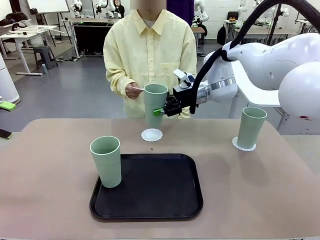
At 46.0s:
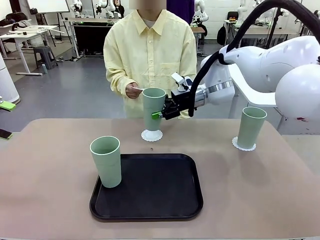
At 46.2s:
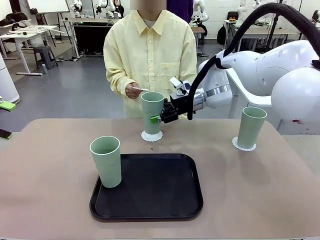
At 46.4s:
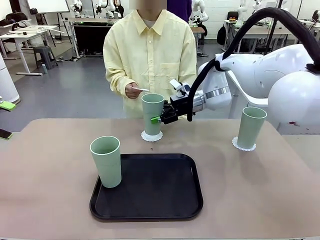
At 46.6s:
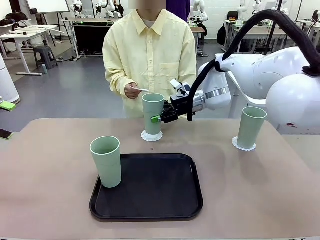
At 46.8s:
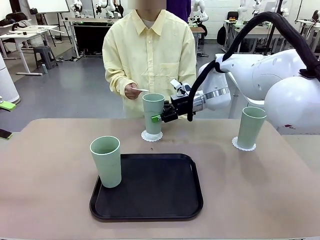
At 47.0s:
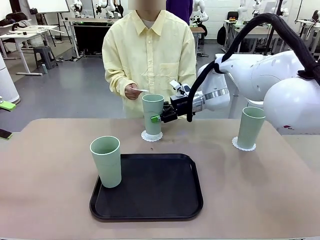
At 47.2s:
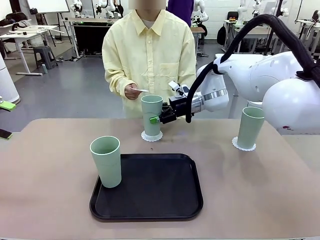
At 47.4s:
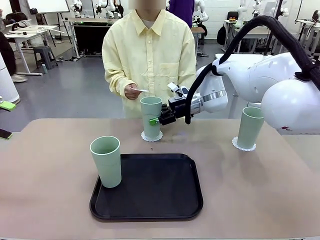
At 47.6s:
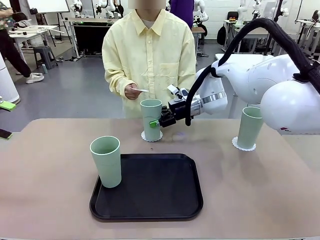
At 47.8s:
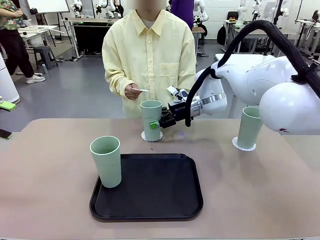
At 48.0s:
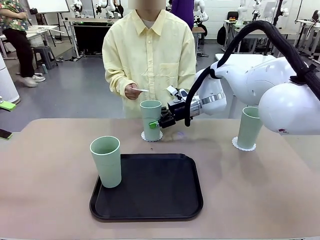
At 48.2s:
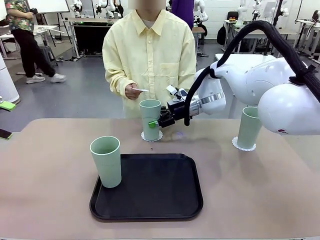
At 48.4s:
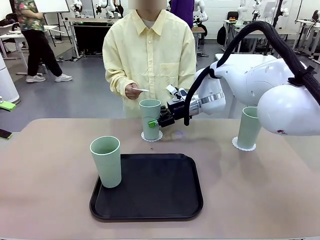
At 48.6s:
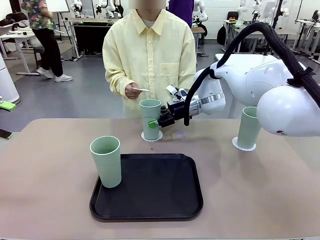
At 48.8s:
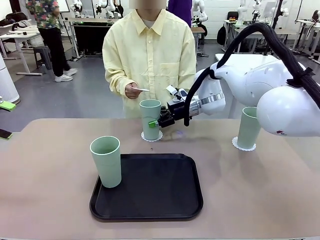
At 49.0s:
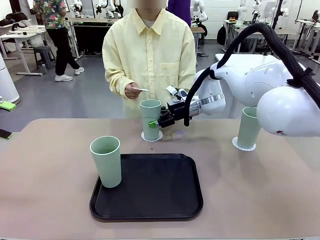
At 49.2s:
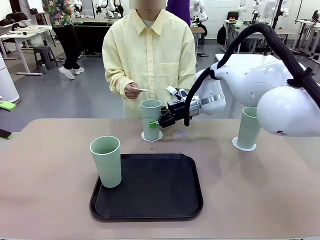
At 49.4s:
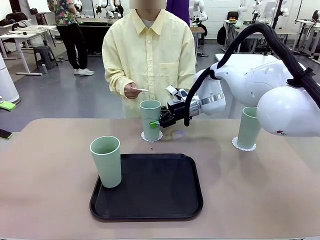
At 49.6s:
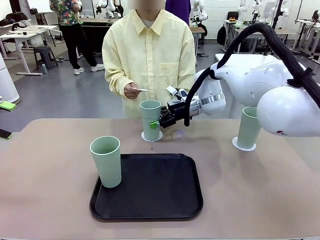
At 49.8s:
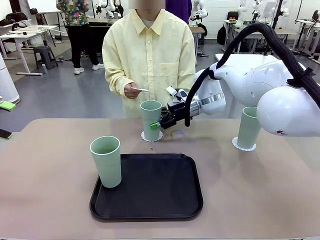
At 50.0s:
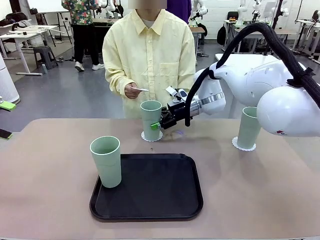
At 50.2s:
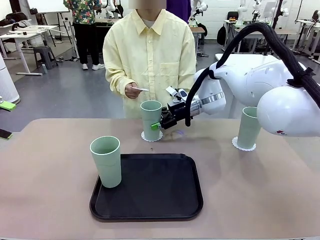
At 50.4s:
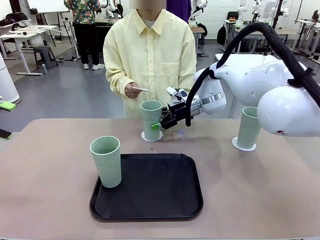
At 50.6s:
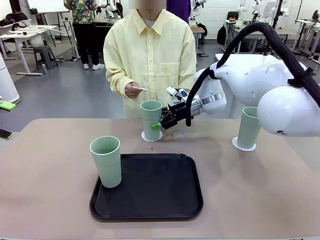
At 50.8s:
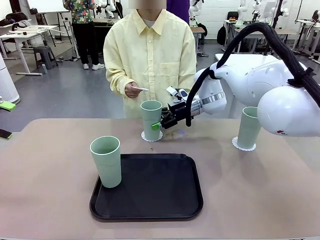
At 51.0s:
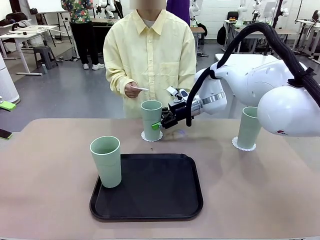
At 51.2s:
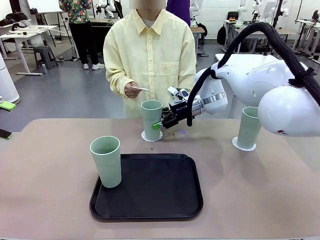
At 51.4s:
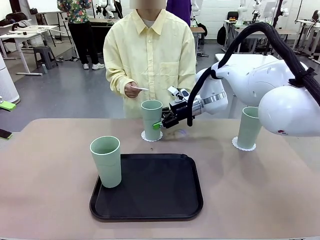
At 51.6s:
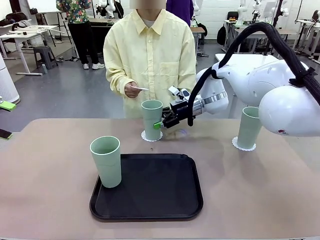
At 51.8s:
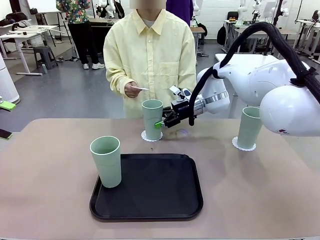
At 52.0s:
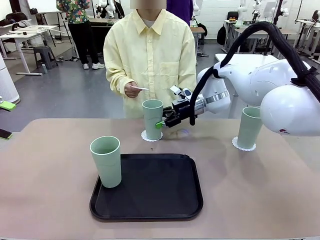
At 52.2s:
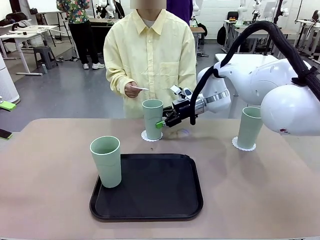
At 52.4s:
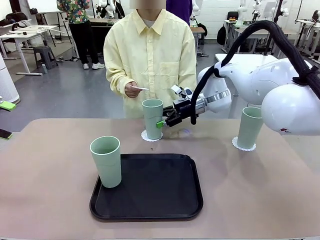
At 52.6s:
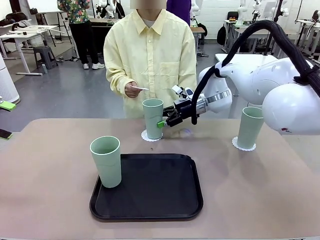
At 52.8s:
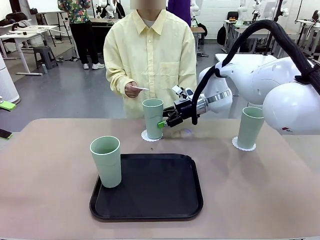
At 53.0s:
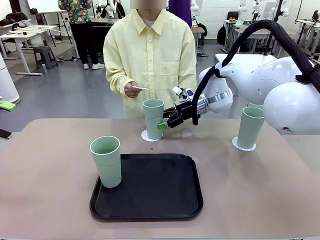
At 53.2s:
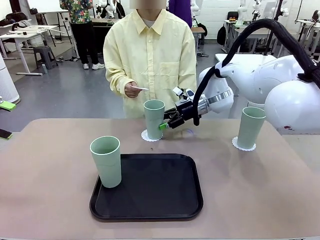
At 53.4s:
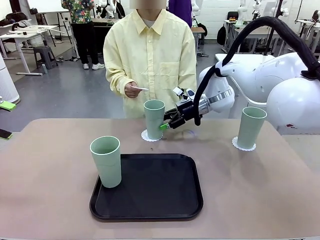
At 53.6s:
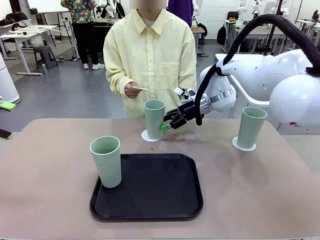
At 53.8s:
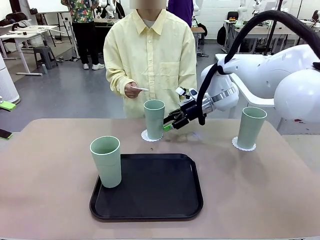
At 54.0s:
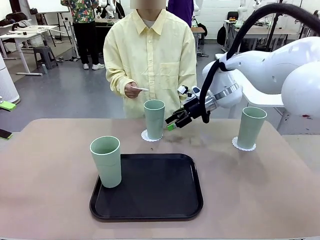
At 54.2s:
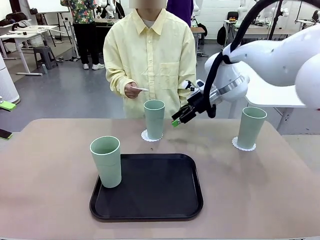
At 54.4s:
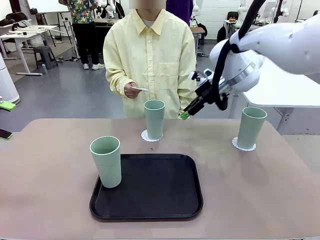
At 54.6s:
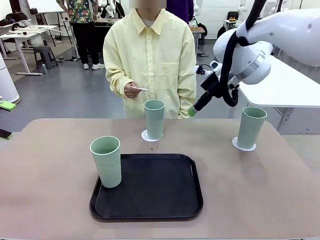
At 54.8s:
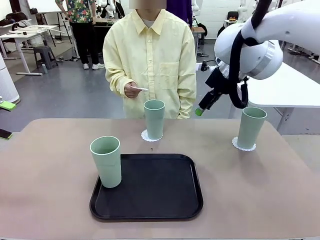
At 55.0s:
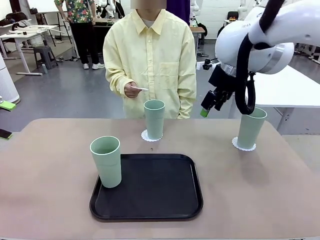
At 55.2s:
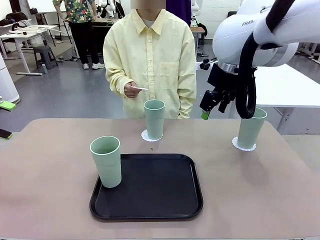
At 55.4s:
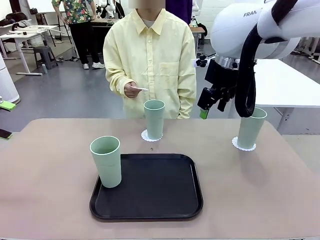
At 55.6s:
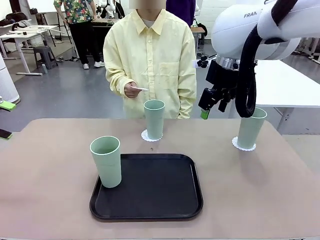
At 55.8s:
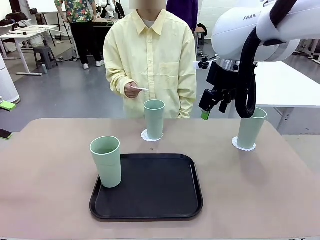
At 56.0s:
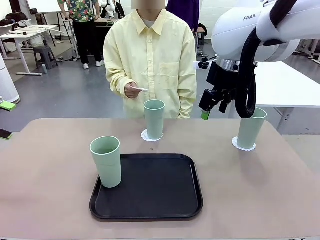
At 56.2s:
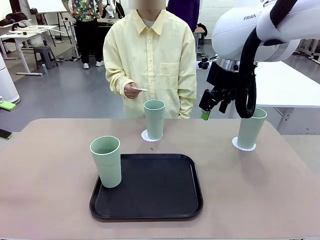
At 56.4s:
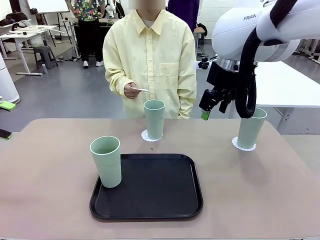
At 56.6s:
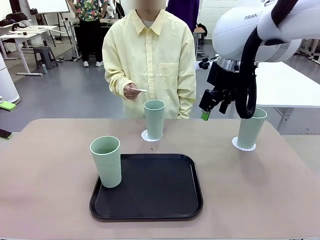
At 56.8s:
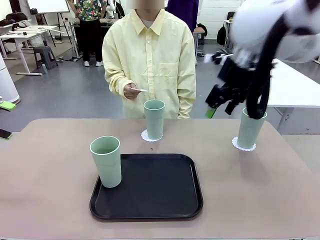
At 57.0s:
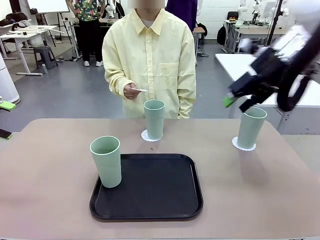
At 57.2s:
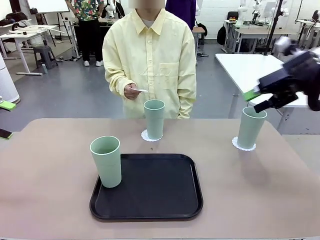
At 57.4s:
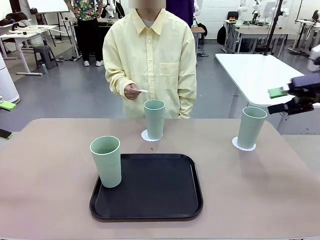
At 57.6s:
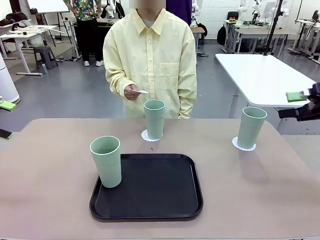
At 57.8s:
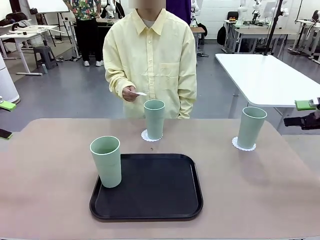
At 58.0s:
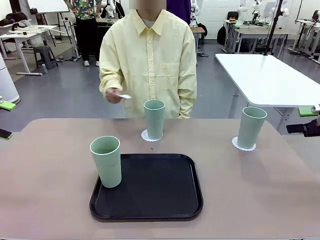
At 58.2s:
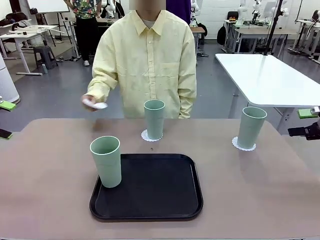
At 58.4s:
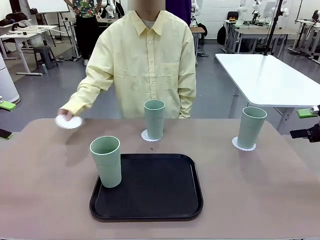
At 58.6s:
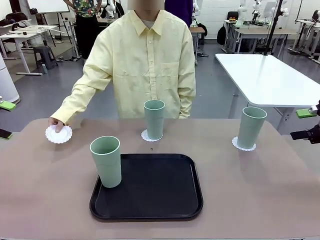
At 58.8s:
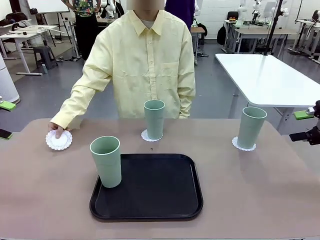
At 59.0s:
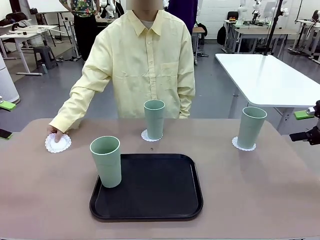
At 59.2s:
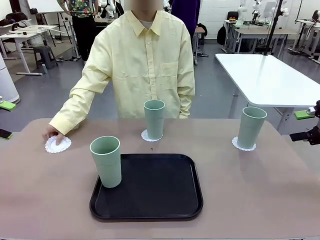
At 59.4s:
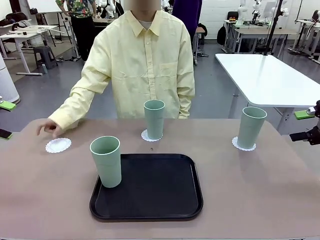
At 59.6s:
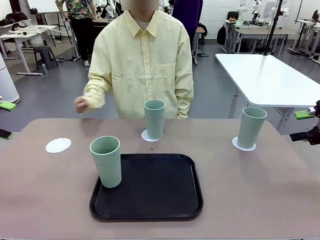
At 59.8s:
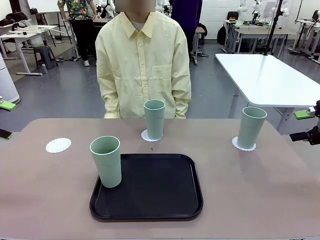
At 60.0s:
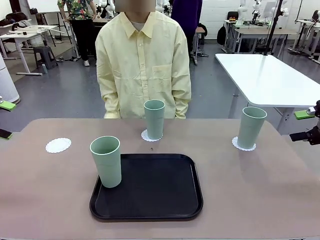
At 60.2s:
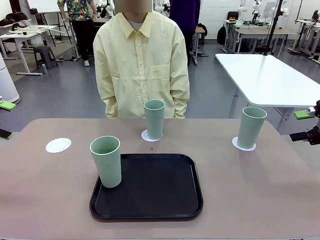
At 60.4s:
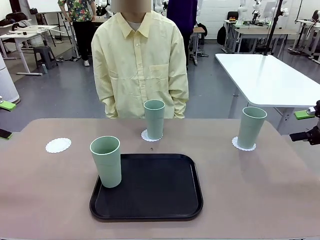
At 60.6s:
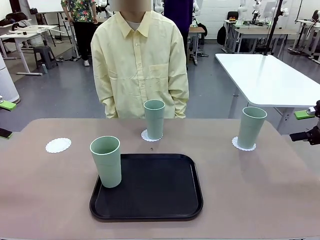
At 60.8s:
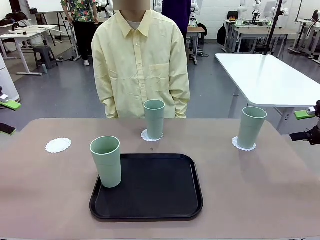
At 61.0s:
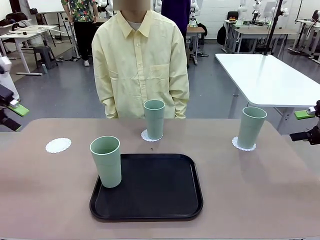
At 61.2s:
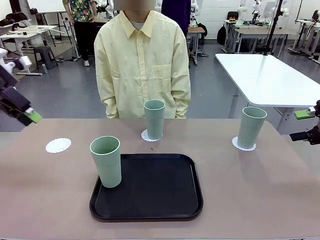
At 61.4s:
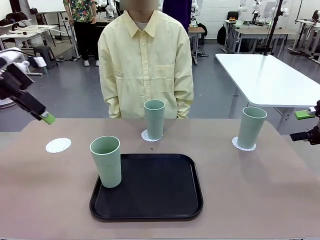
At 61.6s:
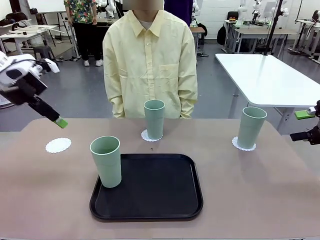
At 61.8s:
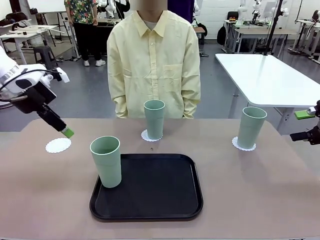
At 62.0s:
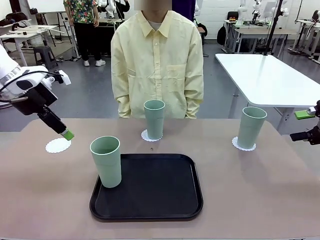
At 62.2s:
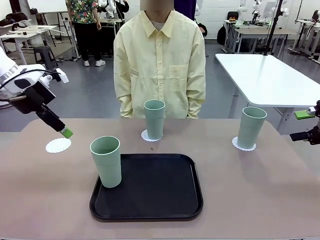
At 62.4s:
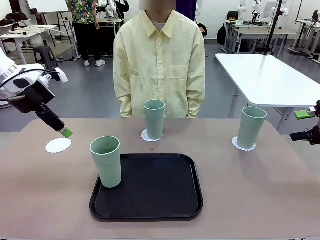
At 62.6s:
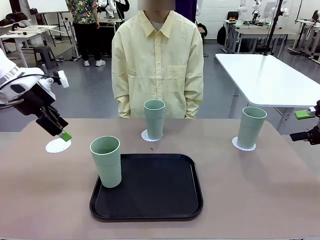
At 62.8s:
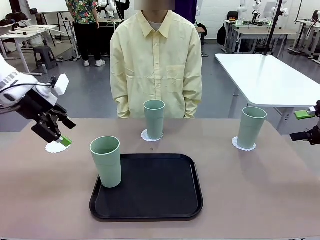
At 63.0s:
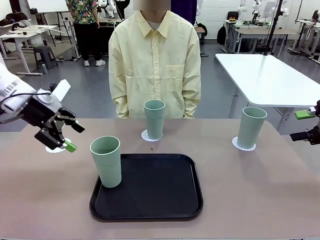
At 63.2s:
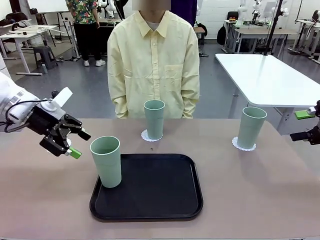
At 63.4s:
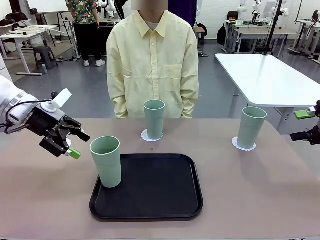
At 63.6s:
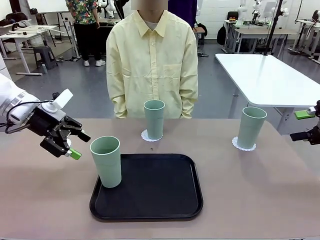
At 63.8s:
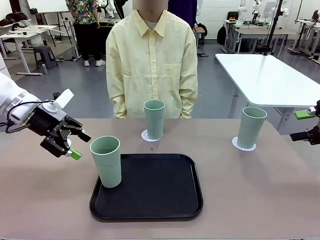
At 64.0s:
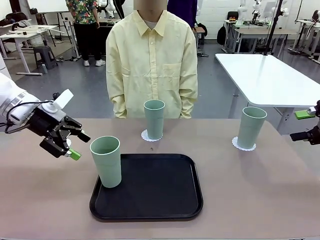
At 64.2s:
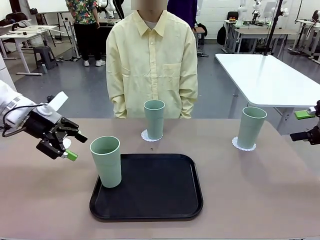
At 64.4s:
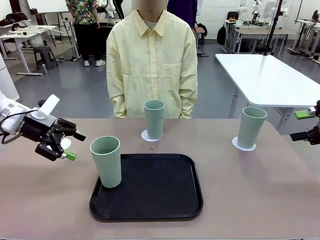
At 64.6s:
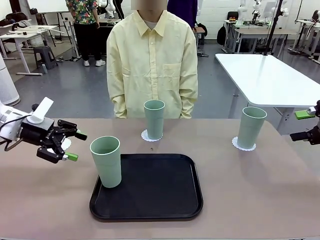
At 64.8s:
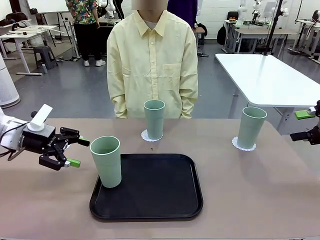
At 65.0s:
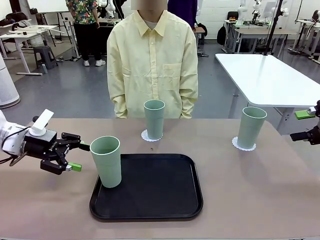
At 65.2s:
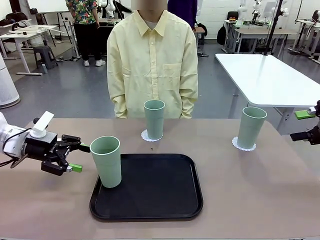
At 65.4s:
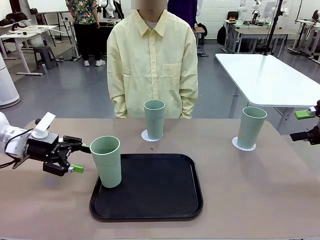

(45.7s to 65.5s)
Task: Place coasters on the table and set cups on them.
Robot: Take one Reusable plastic cup from the Flat Tray and place it on a coaster set by the human.
